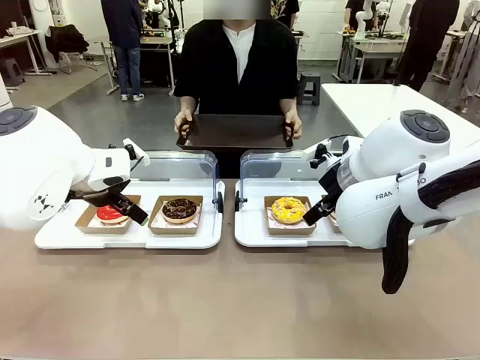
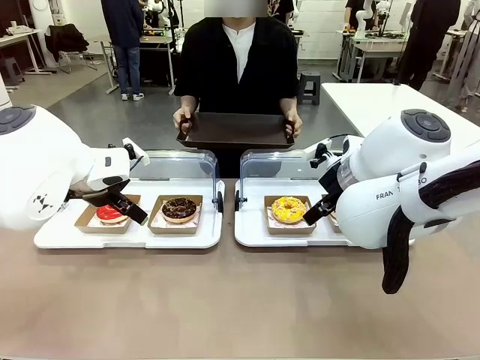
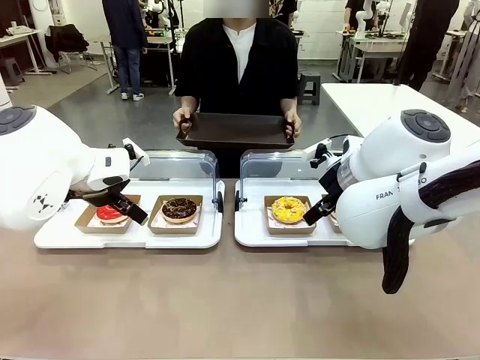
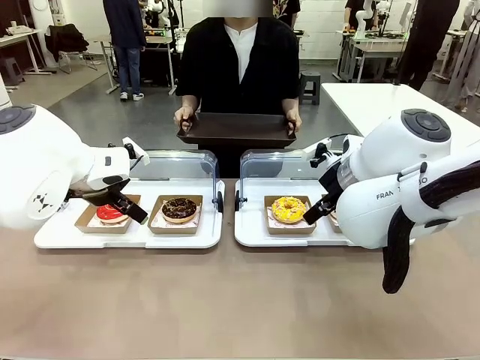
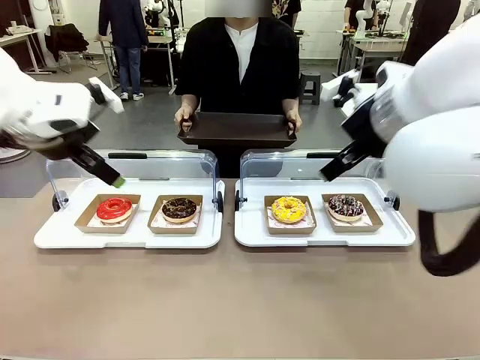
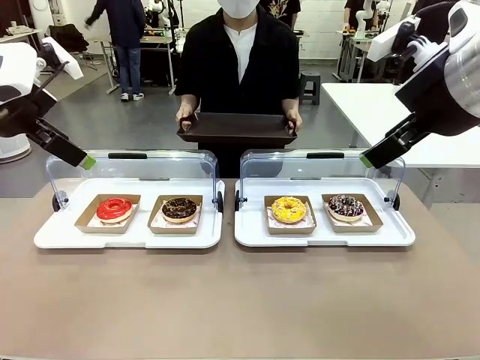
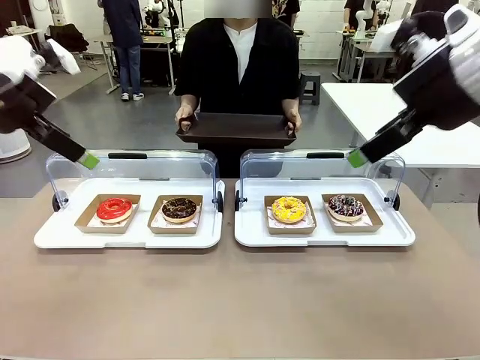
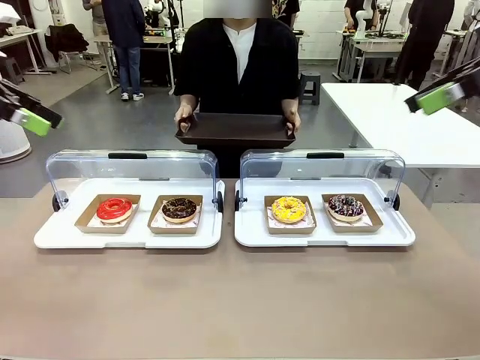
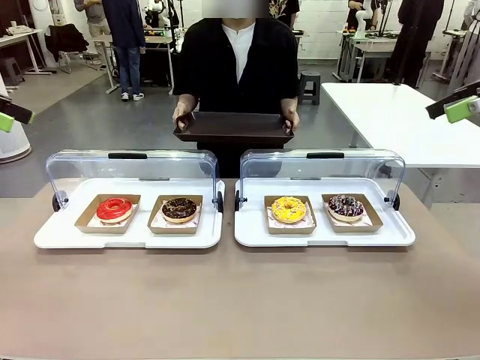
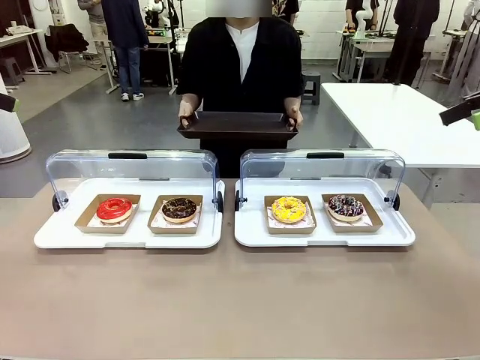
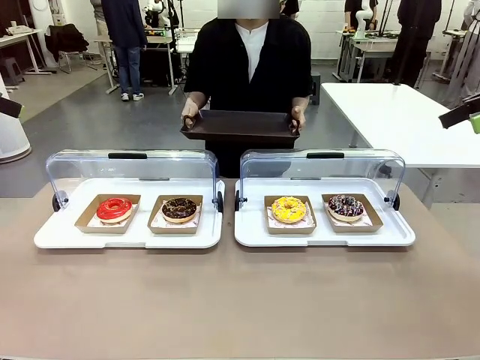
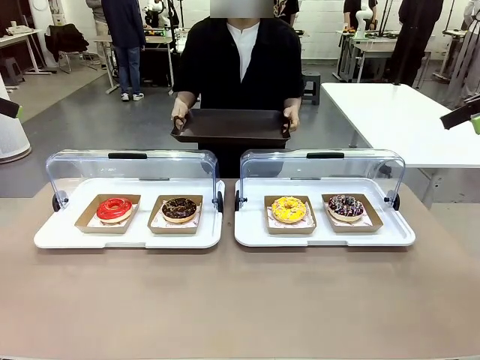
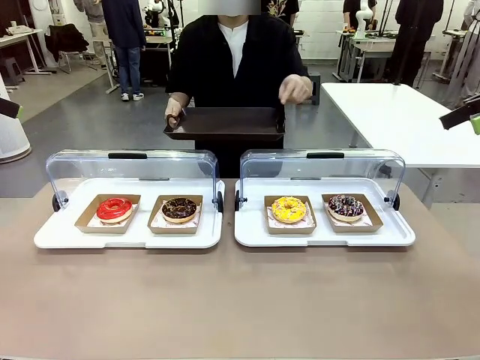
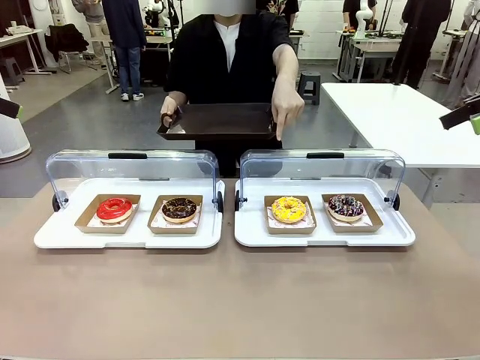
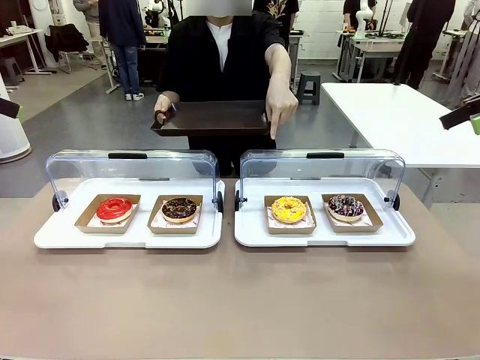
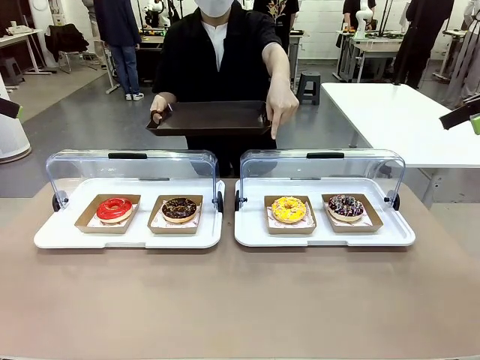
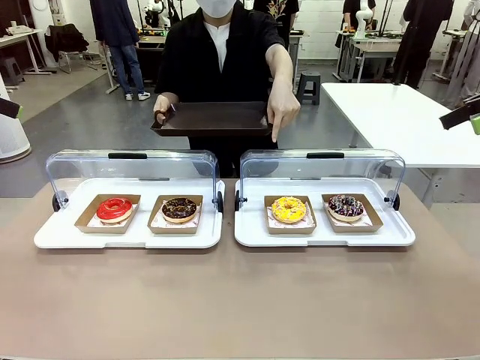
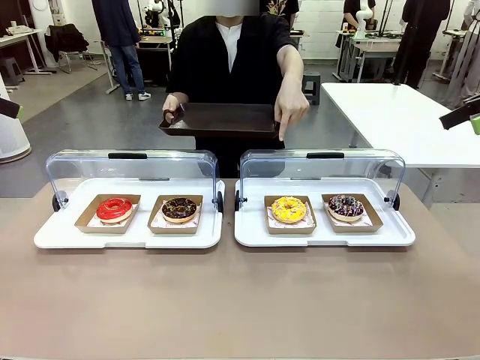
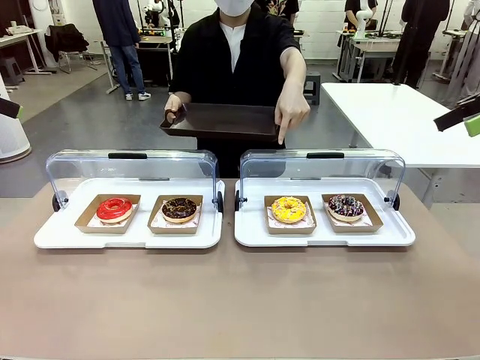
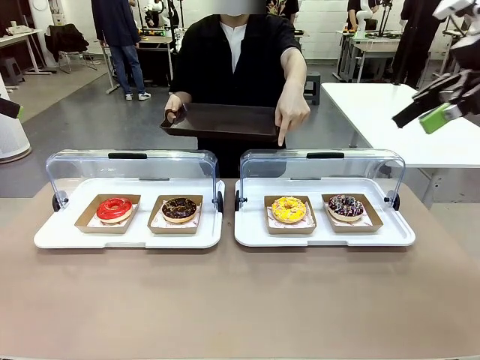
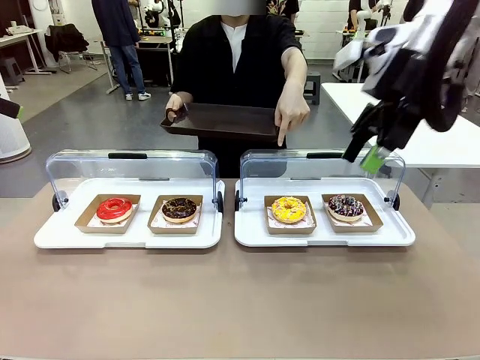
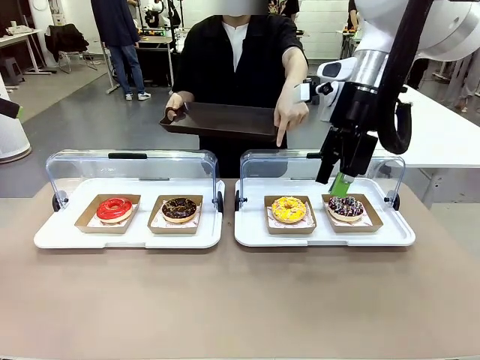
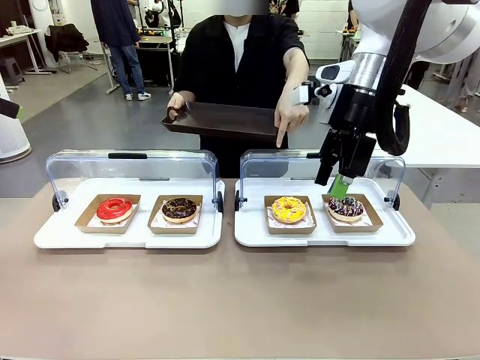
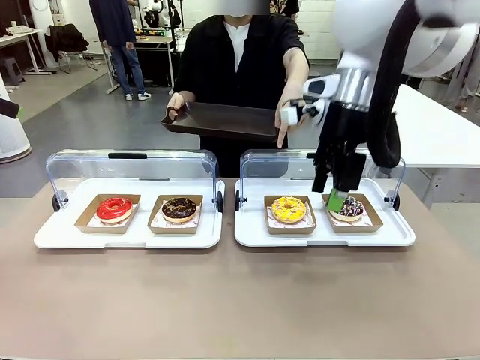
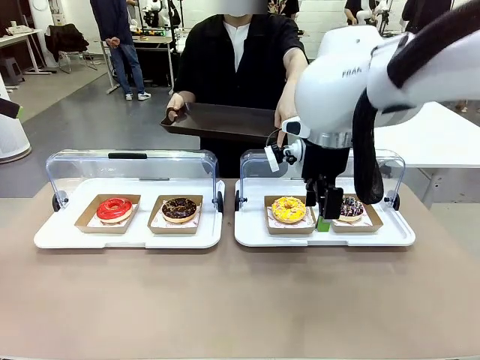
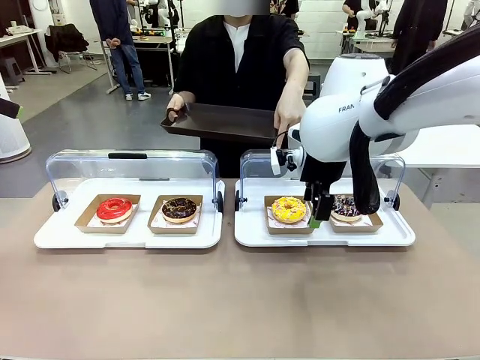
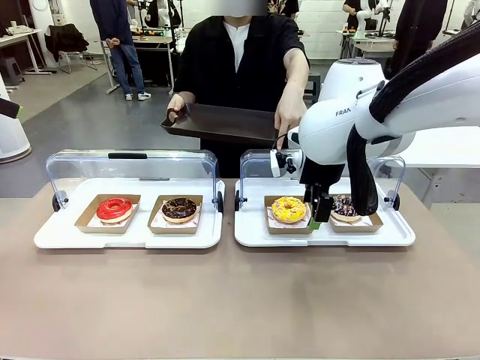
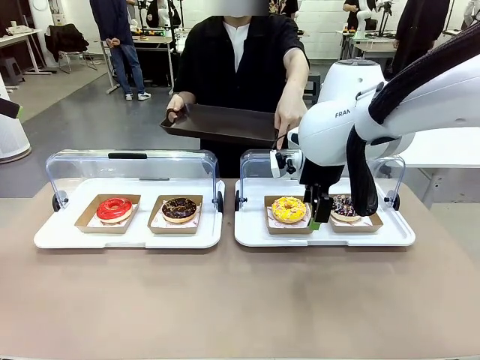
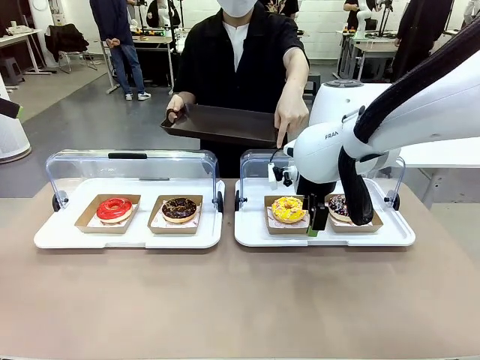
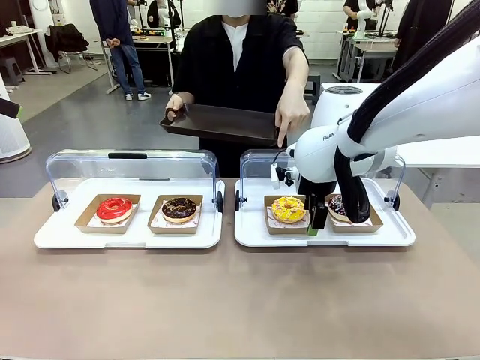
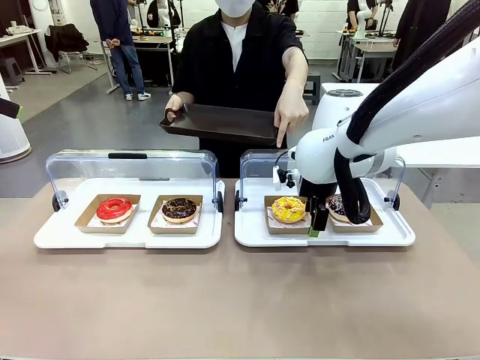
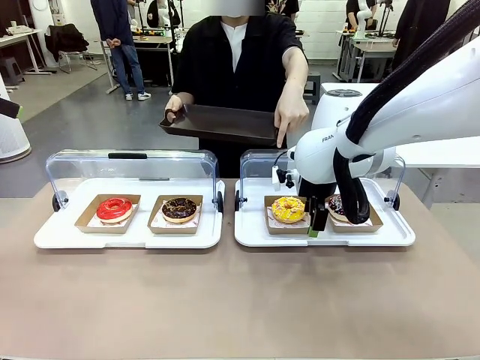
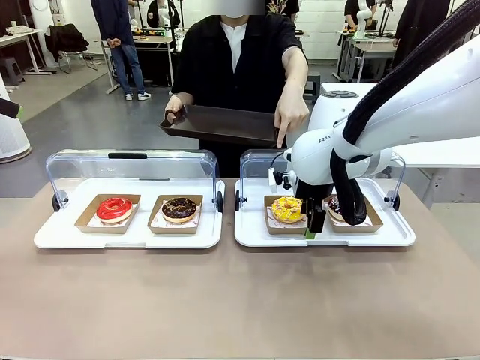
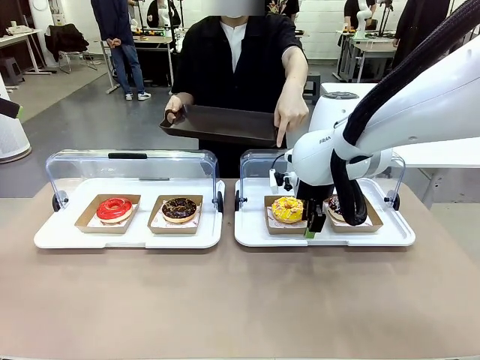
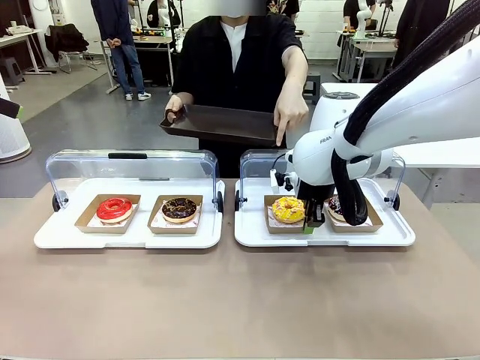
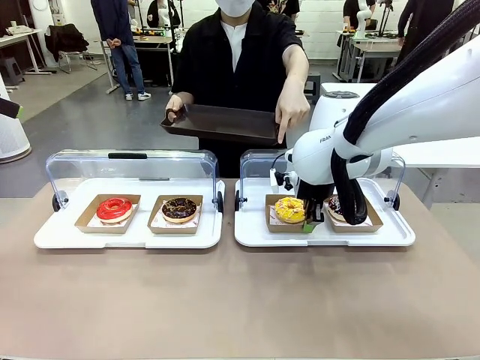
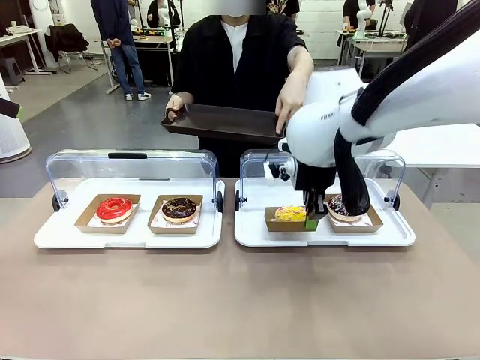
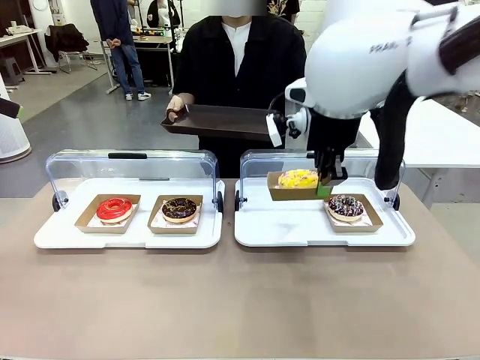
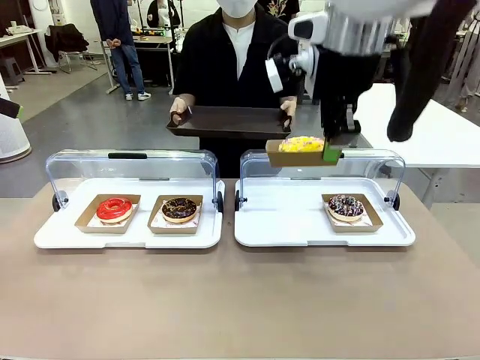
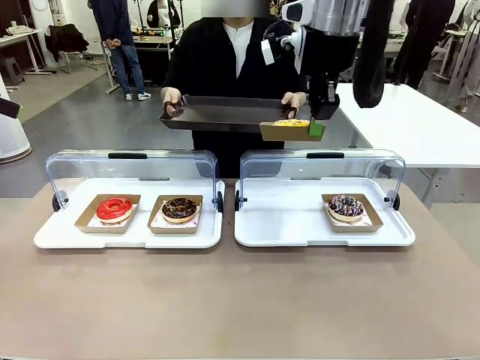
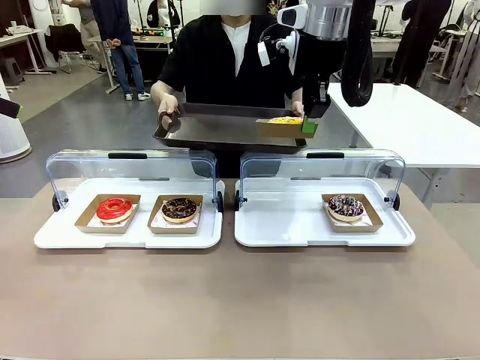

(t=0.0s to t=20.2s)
Task: Provide the desired donut to the person.
Robot: Pick up and lift the Paper togo box containing the Donut pointed at by the person.
Person: Point to one donut. Lift the tray onto the Roll-Top Bakery Case.

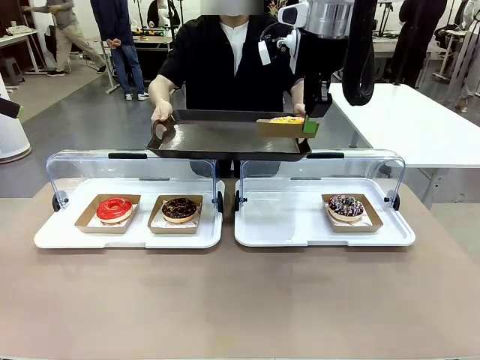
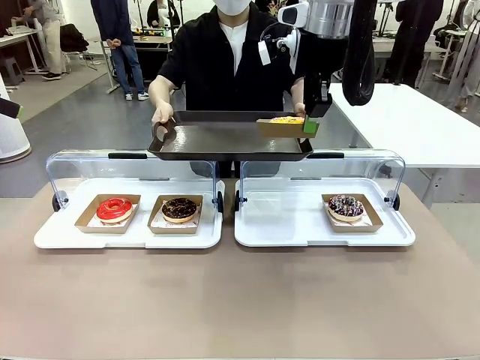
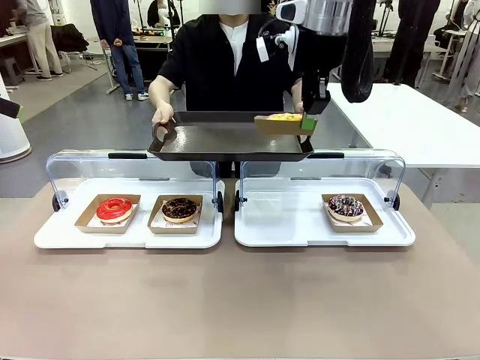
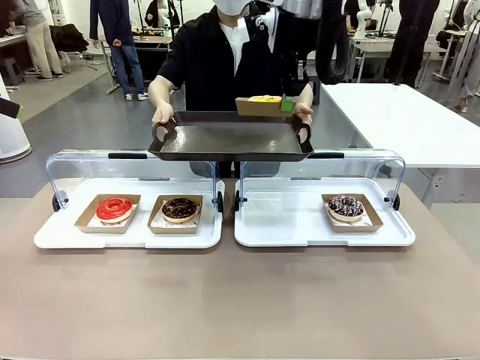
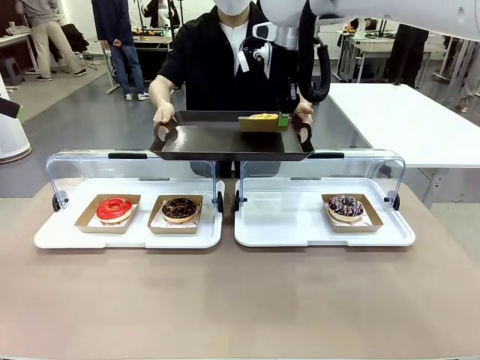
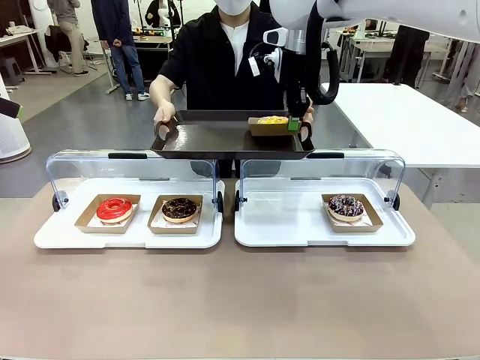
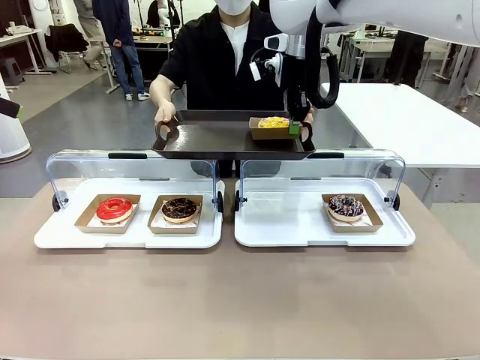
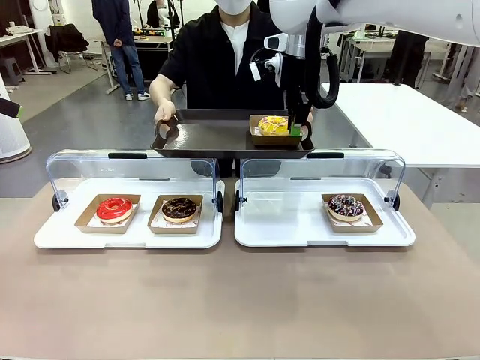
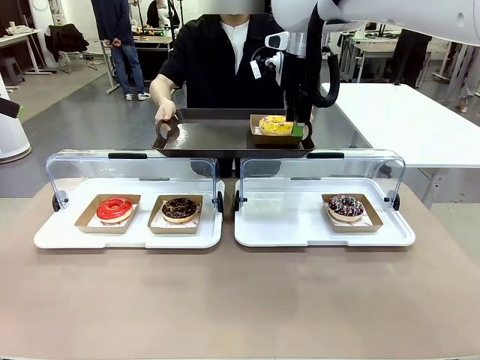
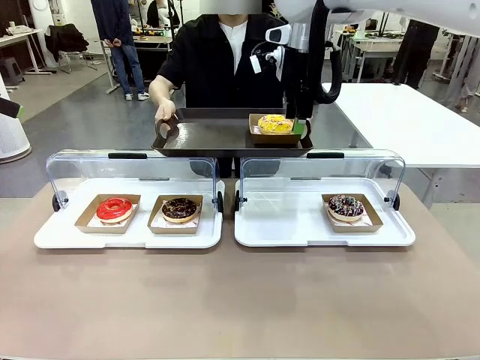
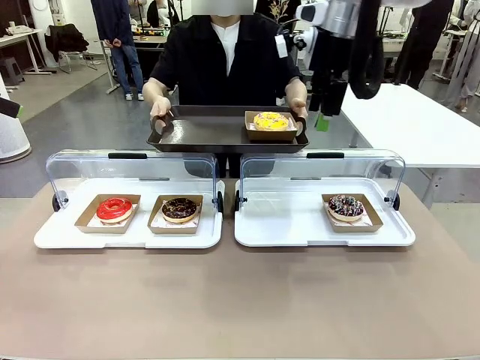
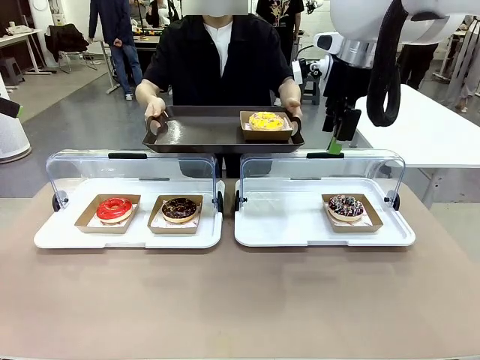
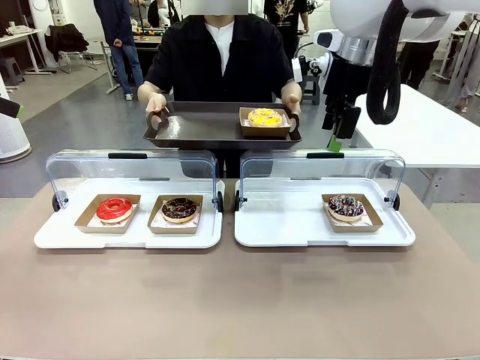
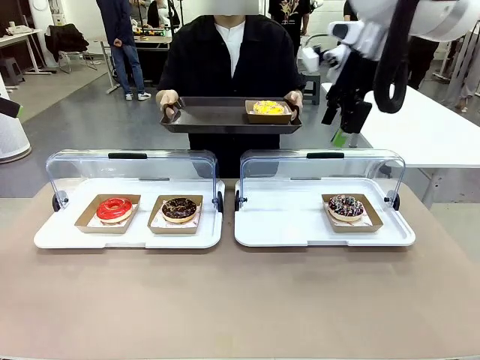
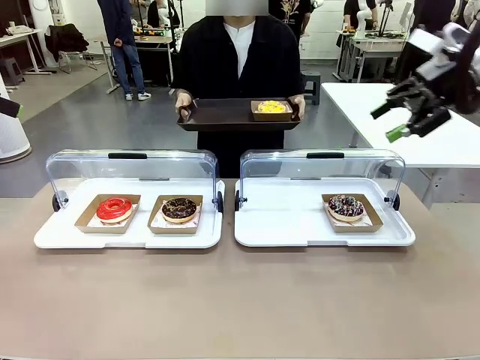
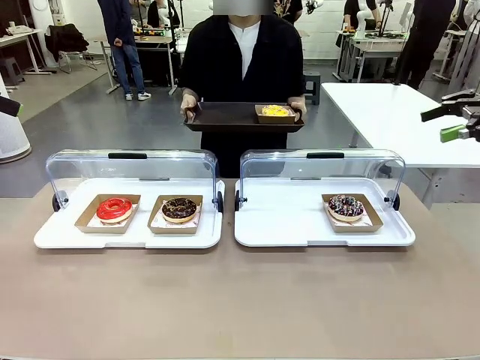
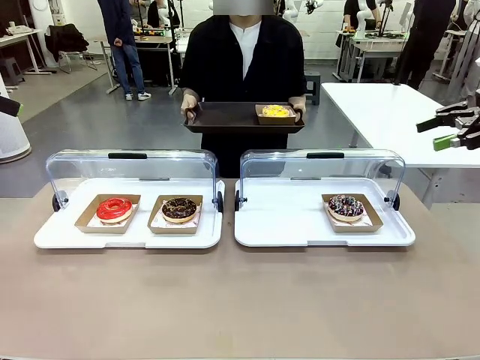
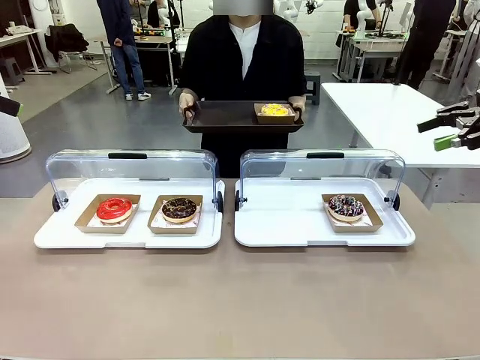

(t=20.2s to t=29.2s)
Robot: Place the picked Paper togo box onto the Handle tray extended by the person.
